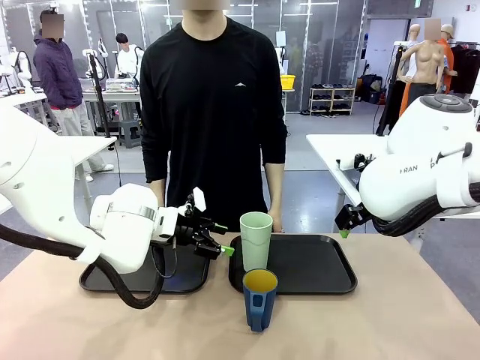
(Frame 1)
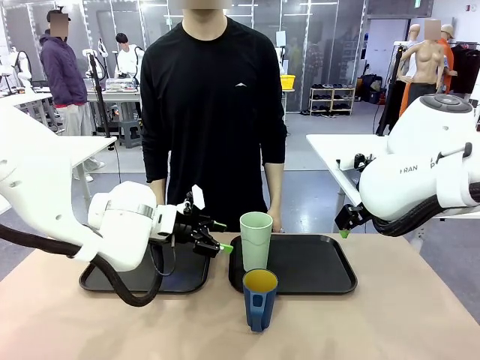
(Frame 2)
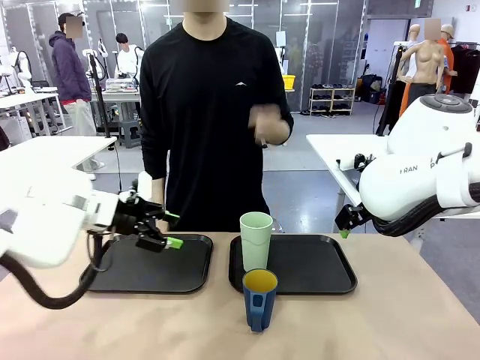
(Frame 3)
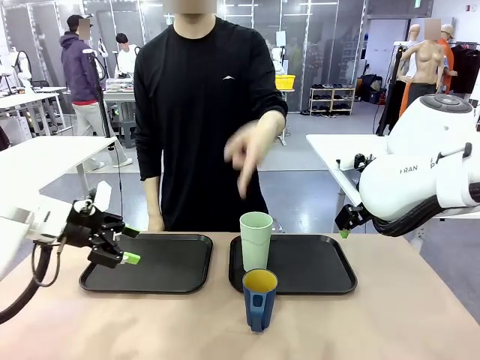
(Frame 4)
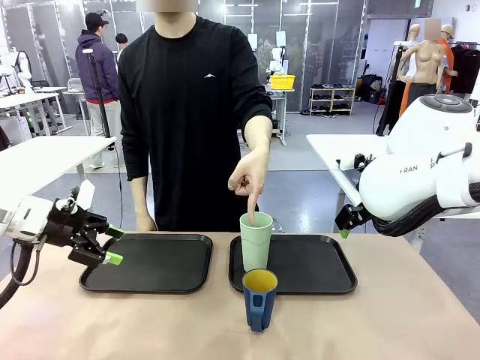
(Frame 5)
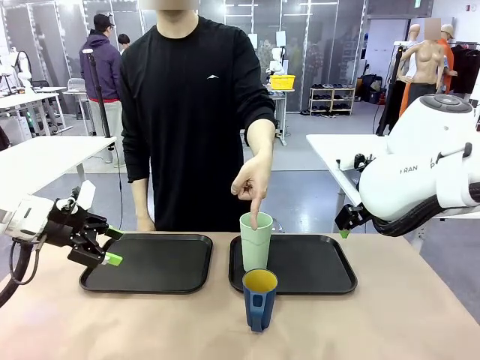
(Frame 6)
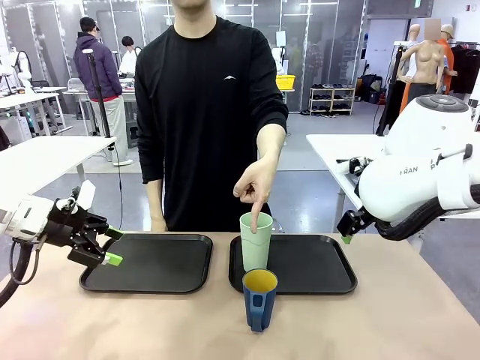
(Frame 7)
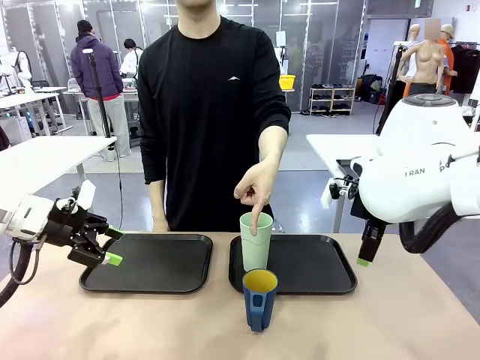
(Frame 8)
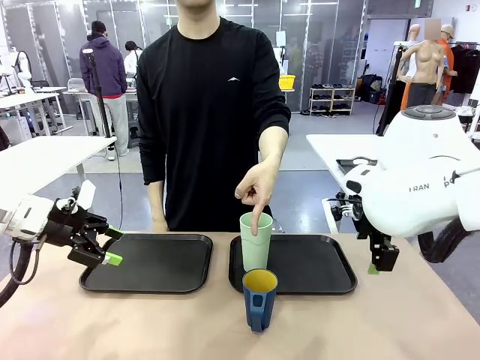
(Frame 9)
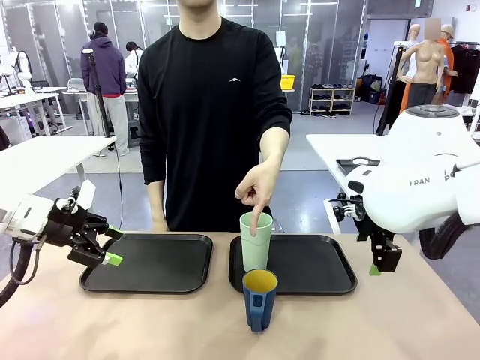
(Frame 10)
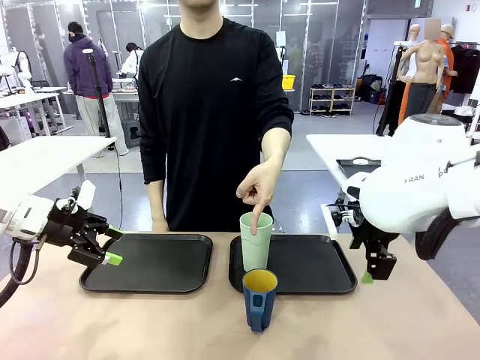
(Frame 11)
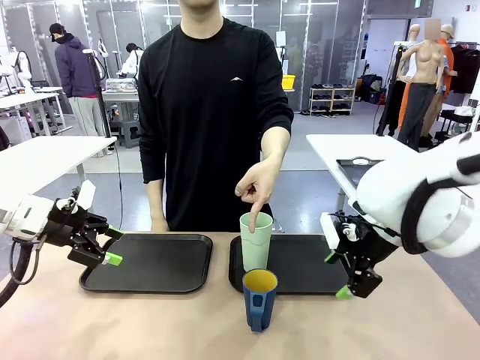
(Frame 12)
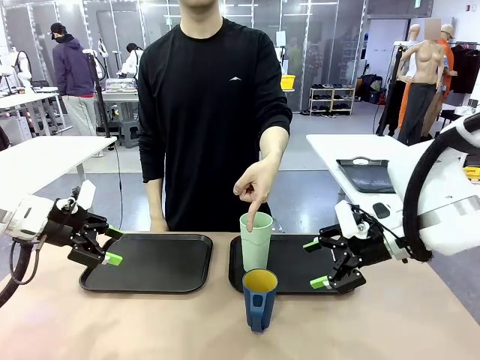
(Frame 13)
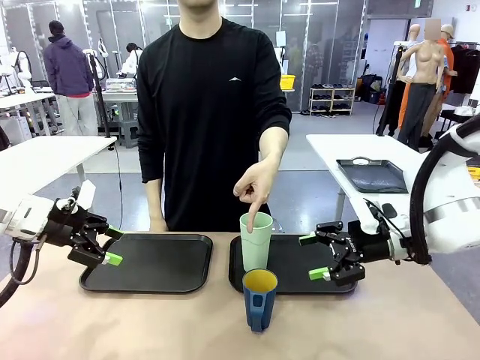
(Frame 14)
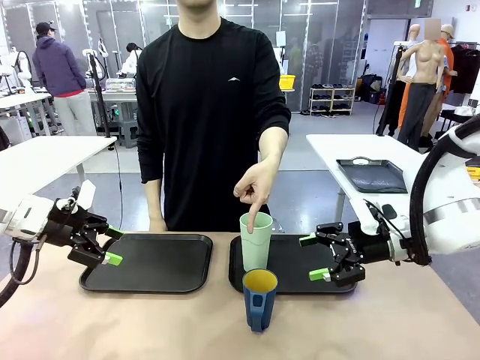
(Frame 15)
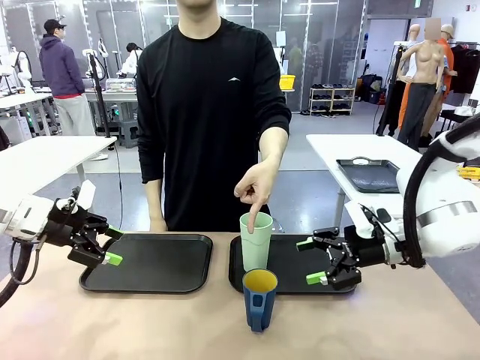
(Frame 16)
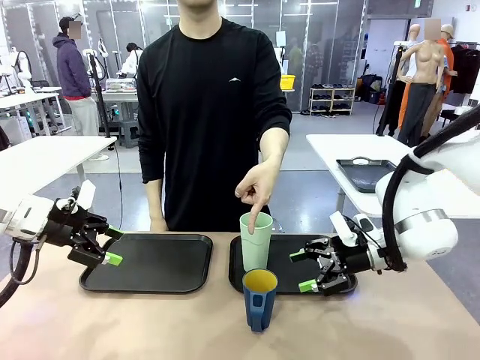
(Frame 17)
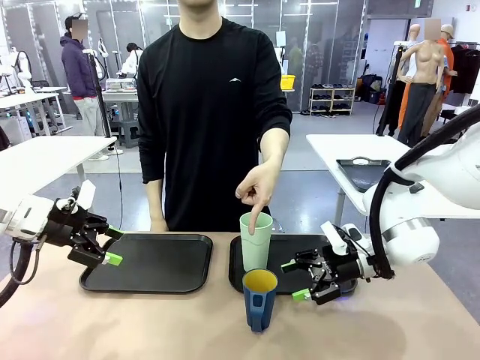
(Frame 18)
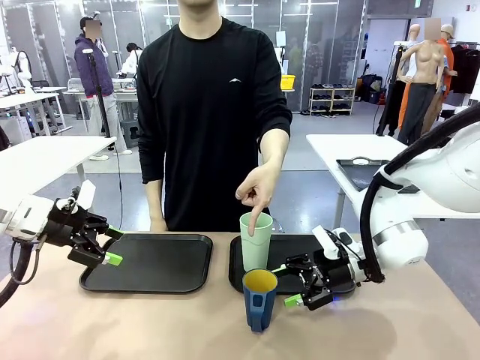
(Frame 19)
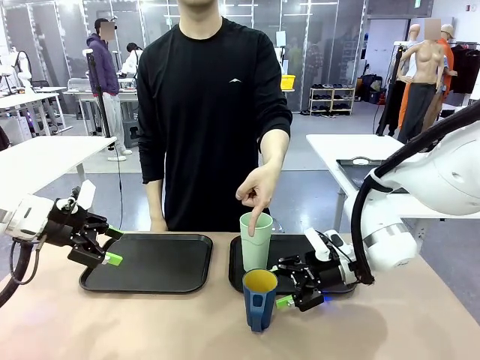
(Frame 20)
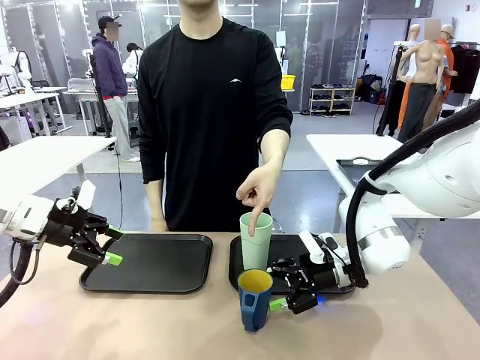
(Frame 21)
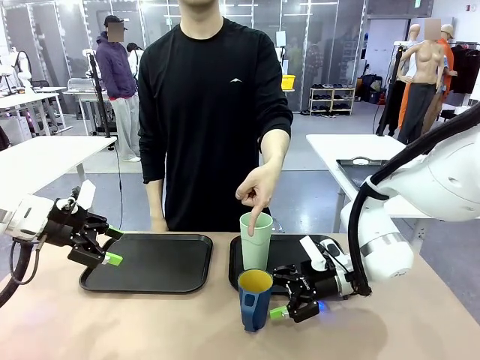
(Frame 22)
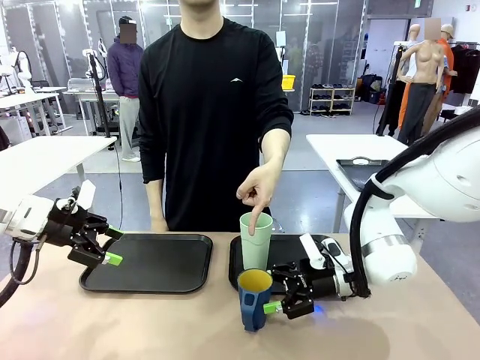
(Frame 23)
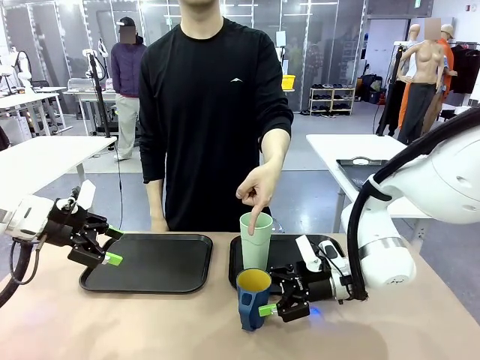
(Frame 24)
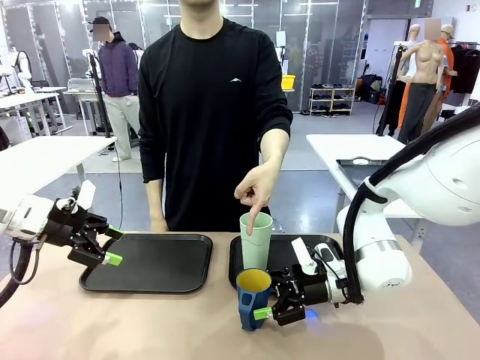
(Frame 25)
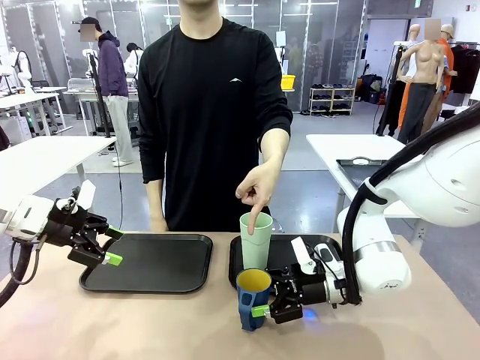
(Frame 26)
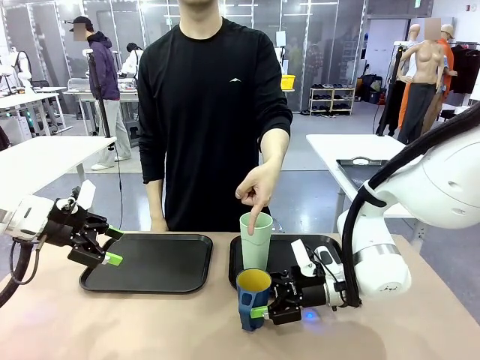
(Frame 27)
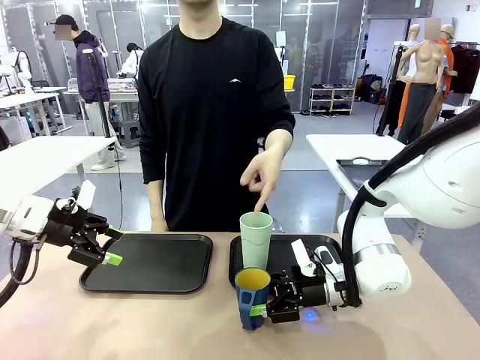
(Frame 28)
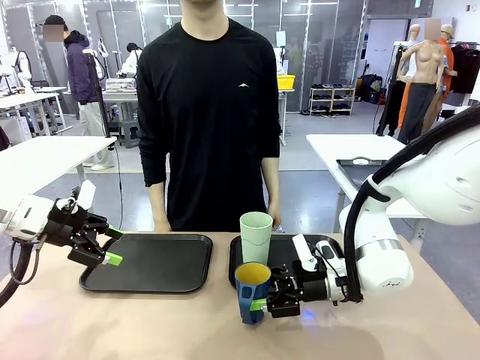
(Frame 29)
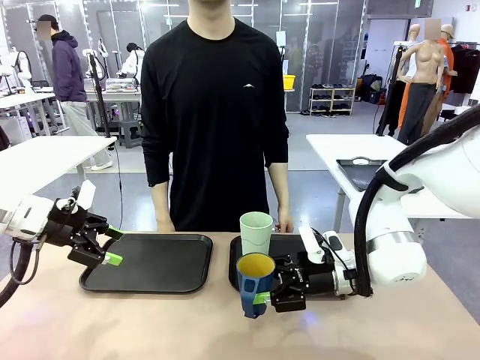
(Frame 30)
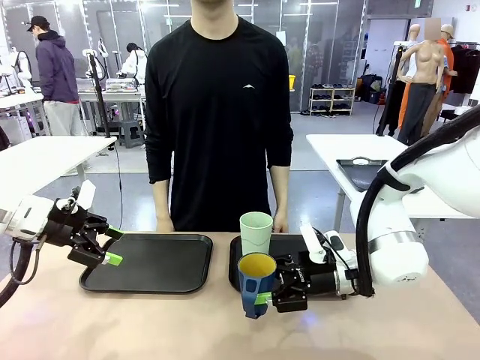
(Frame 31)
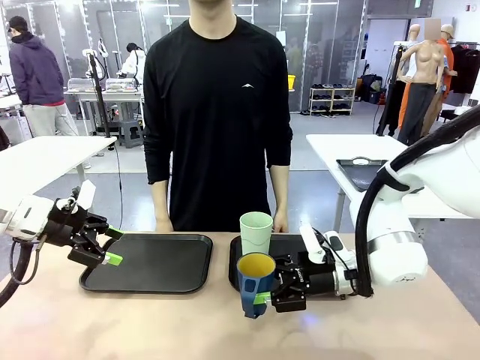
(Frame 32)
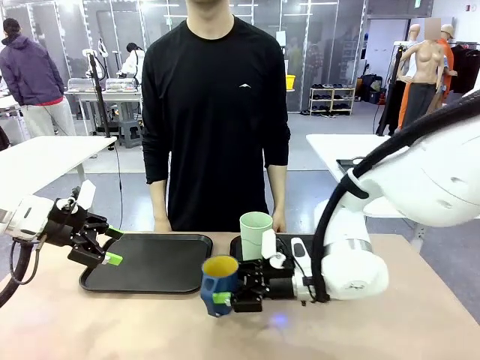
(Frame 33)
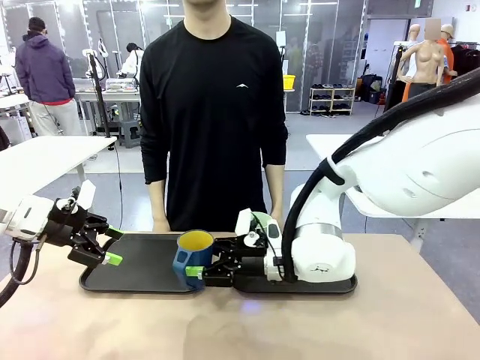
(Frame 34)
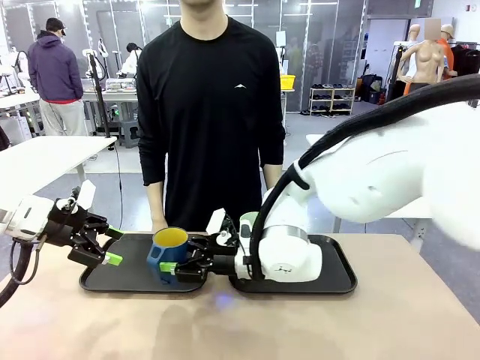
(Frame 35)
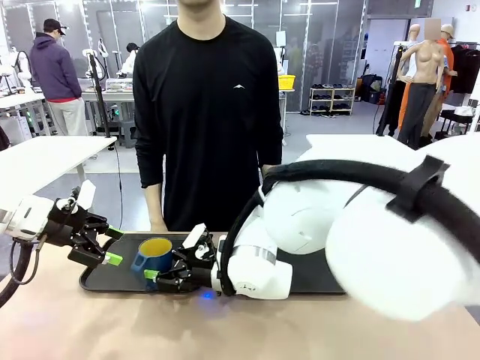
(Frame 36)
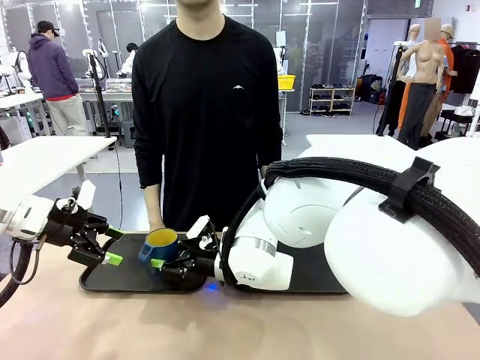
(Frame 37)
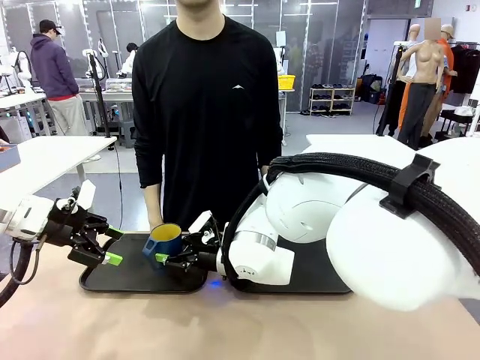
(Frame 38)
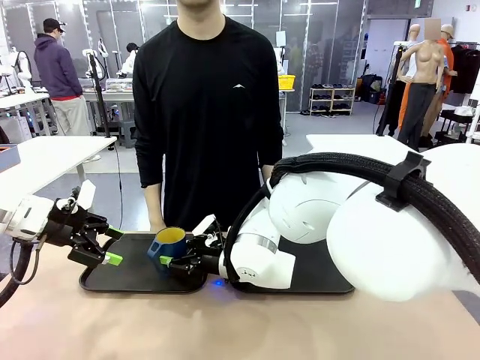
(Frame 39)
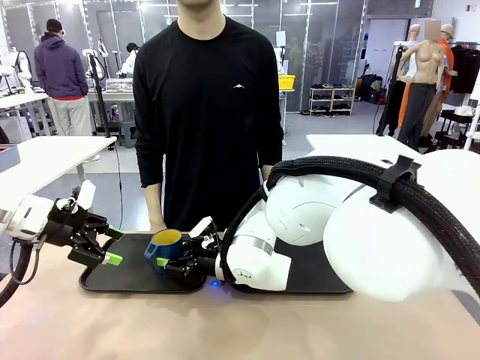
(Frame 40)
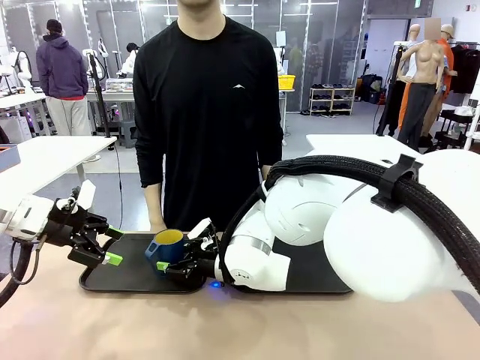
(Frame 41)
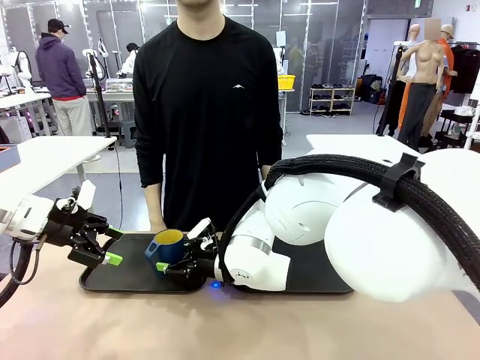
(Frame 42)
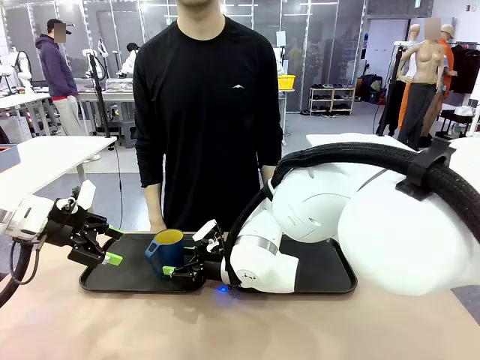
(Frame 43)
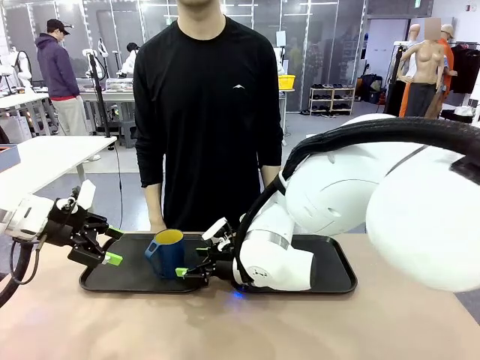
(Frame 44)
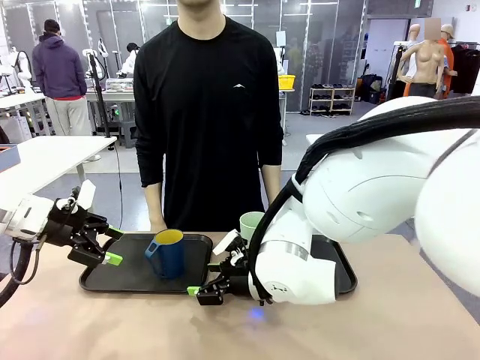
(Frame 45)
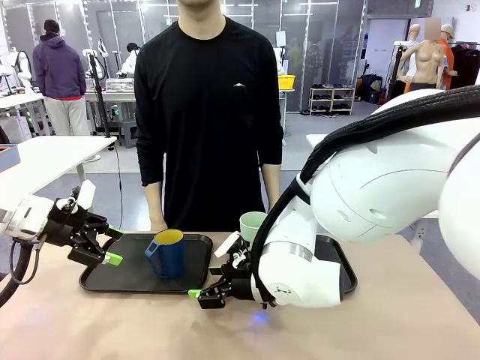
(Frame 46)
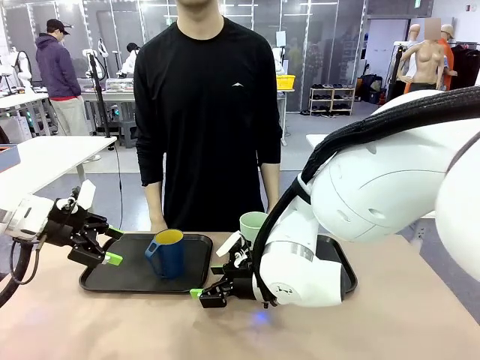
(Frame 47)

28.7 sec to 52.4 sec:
Task: Sort and store the cups by type.
Robot: Pick up the Handle plastic cup and place it into the empty Flat Tray.
Person: Points to the cup with a handle.
